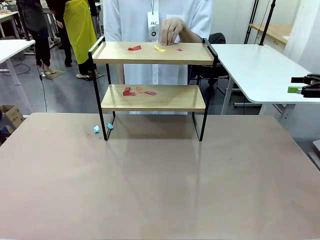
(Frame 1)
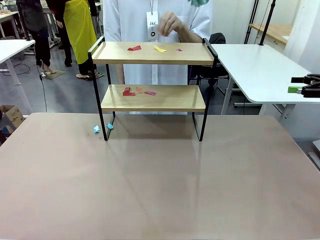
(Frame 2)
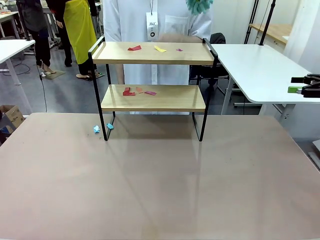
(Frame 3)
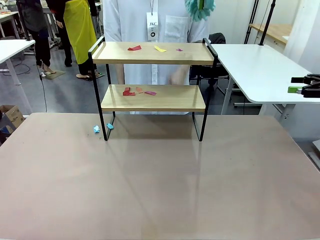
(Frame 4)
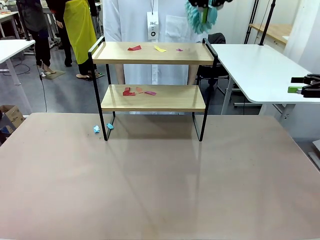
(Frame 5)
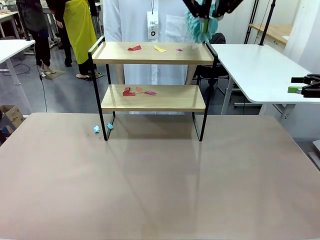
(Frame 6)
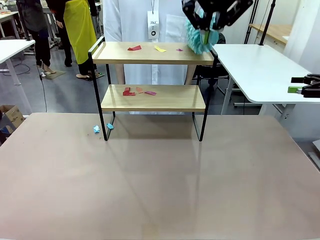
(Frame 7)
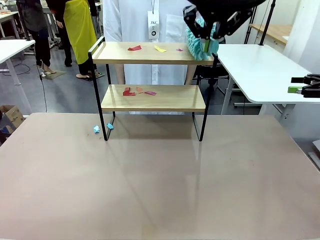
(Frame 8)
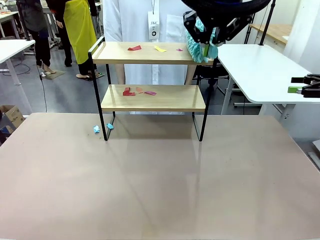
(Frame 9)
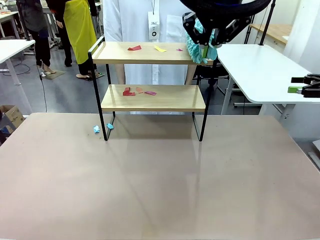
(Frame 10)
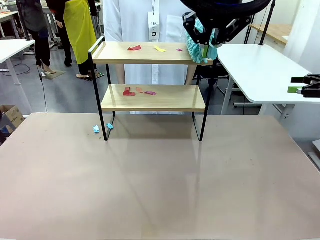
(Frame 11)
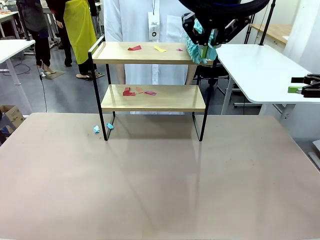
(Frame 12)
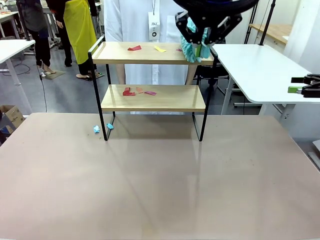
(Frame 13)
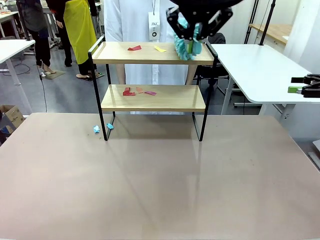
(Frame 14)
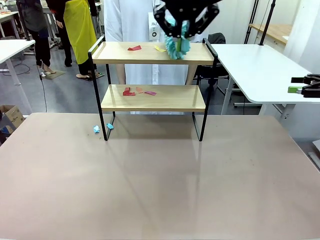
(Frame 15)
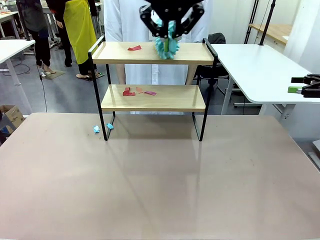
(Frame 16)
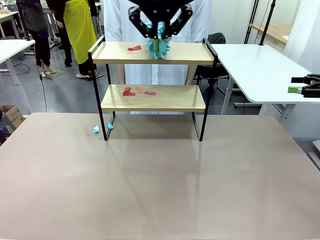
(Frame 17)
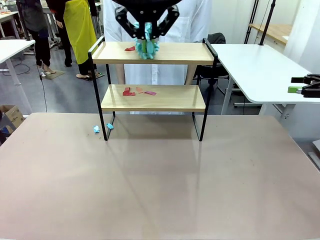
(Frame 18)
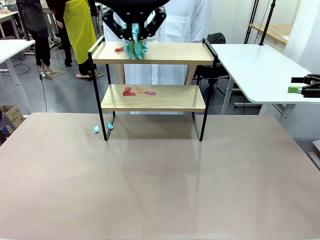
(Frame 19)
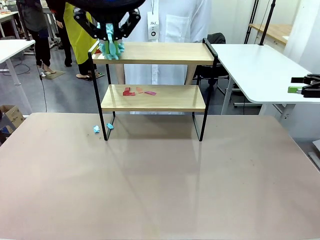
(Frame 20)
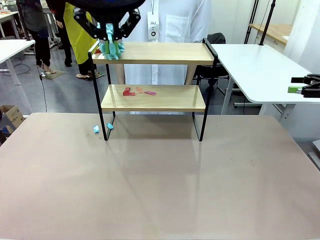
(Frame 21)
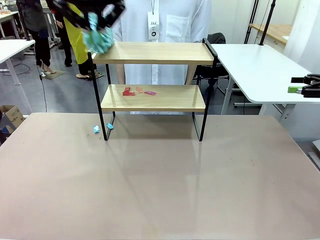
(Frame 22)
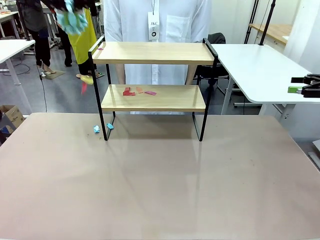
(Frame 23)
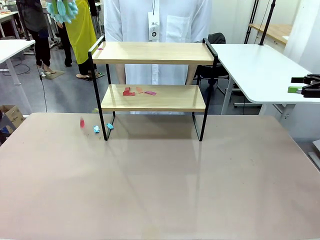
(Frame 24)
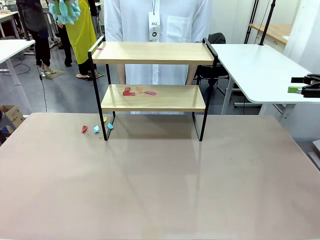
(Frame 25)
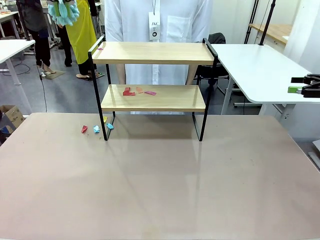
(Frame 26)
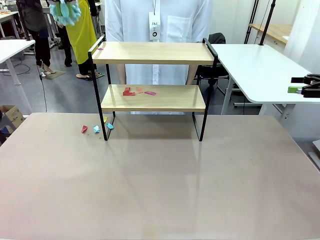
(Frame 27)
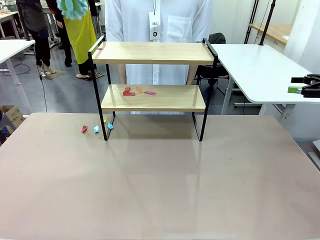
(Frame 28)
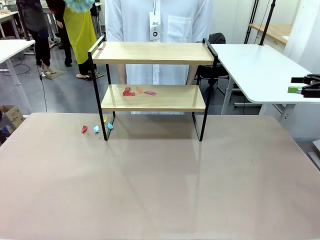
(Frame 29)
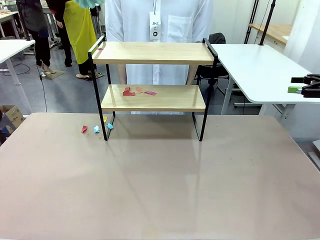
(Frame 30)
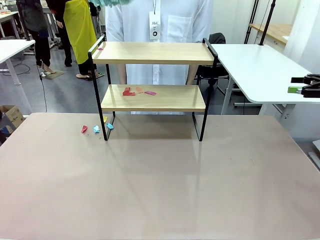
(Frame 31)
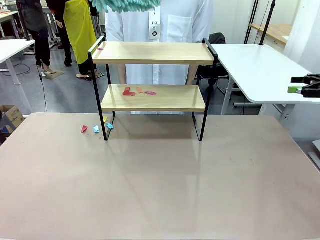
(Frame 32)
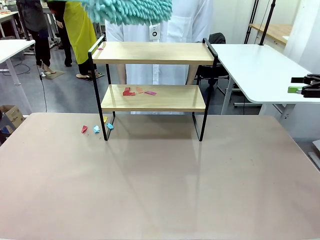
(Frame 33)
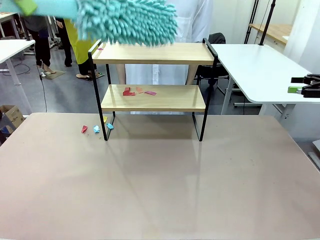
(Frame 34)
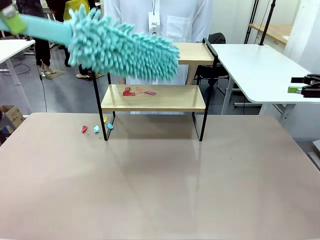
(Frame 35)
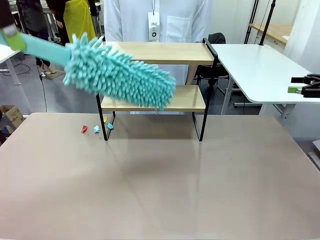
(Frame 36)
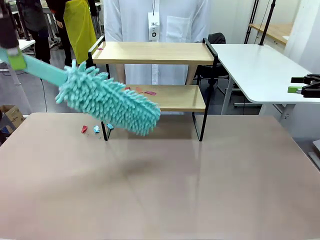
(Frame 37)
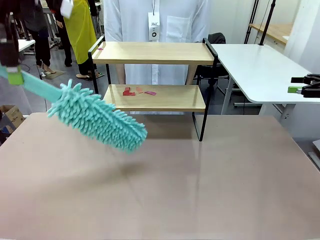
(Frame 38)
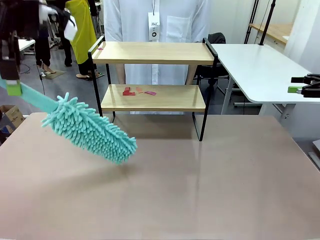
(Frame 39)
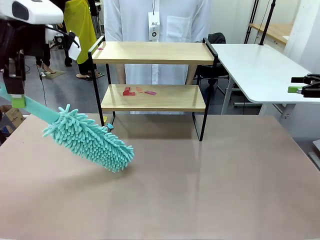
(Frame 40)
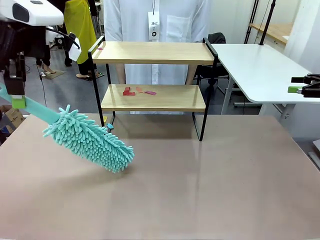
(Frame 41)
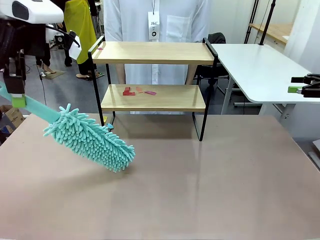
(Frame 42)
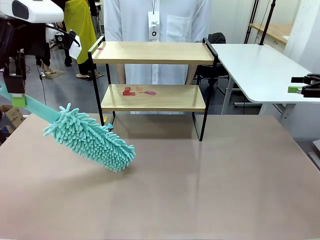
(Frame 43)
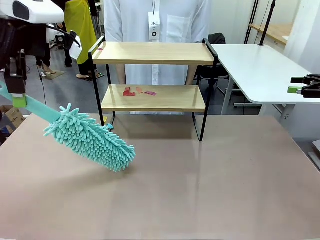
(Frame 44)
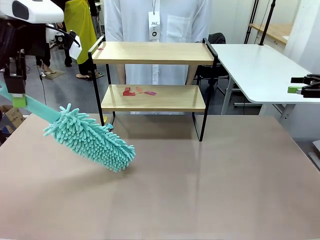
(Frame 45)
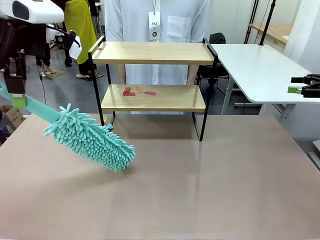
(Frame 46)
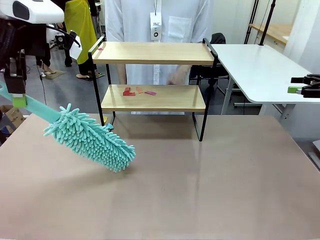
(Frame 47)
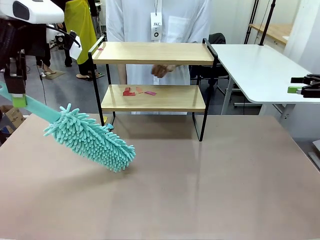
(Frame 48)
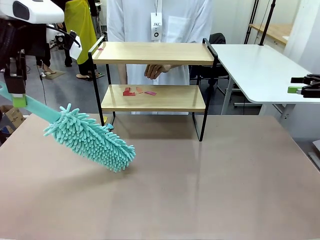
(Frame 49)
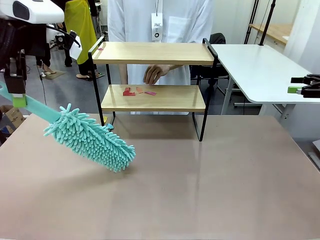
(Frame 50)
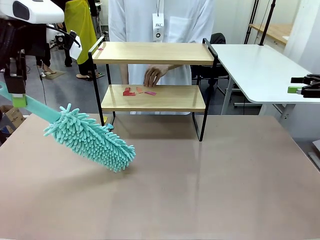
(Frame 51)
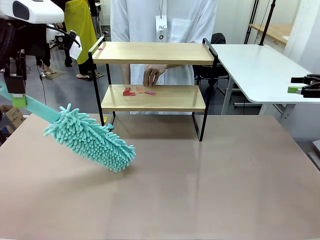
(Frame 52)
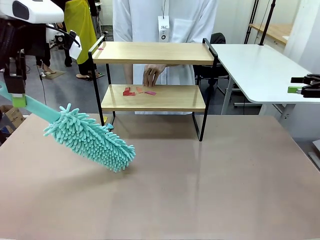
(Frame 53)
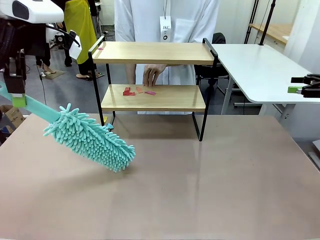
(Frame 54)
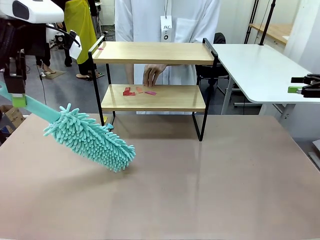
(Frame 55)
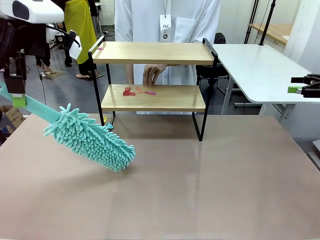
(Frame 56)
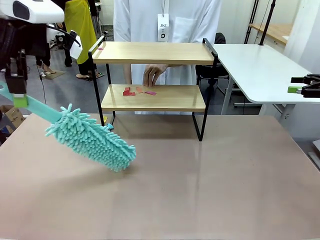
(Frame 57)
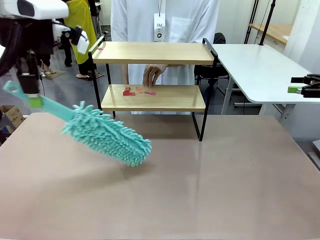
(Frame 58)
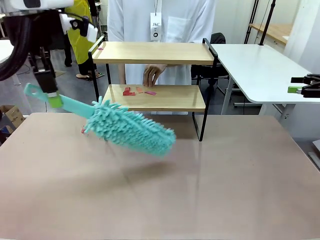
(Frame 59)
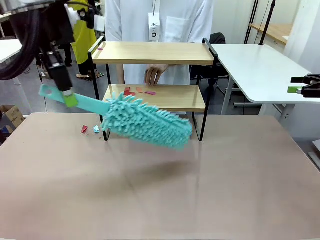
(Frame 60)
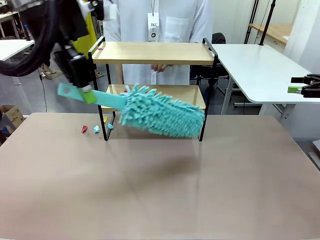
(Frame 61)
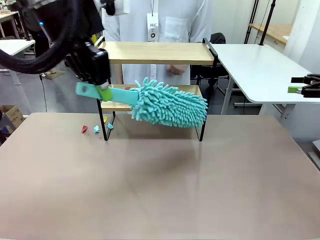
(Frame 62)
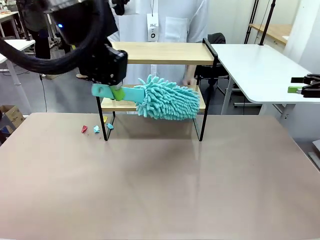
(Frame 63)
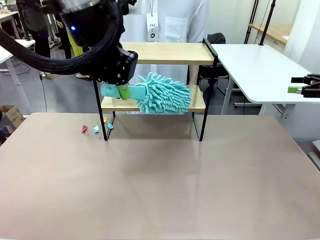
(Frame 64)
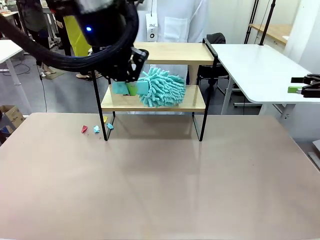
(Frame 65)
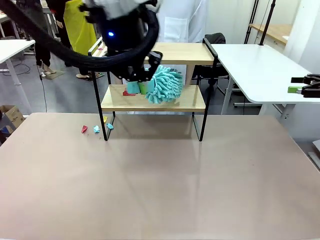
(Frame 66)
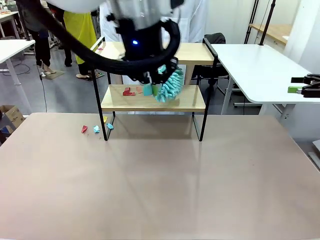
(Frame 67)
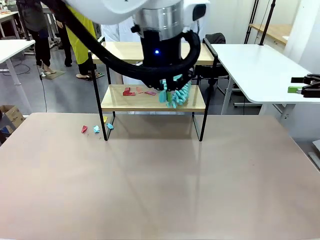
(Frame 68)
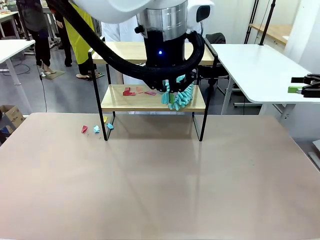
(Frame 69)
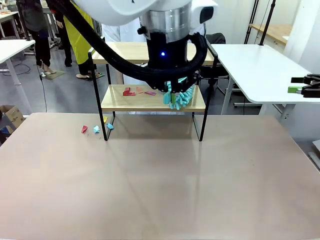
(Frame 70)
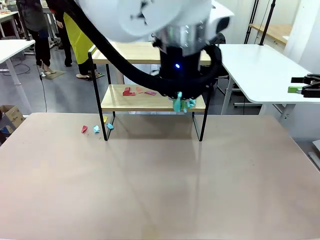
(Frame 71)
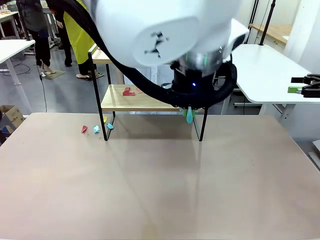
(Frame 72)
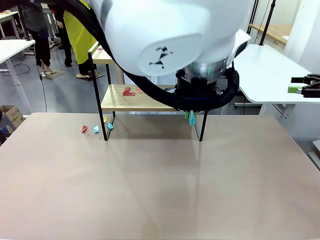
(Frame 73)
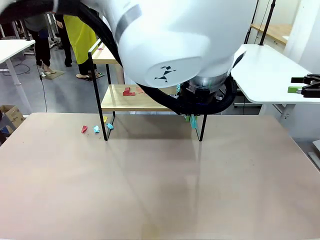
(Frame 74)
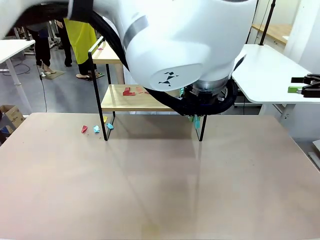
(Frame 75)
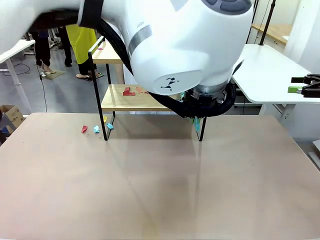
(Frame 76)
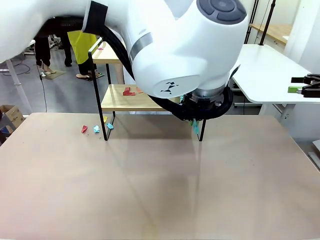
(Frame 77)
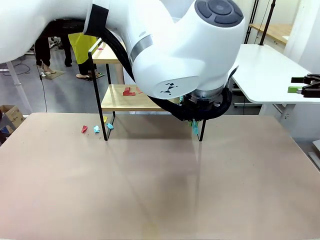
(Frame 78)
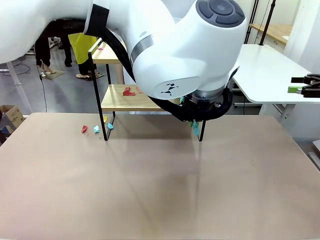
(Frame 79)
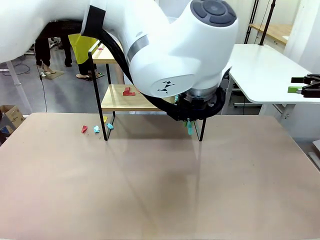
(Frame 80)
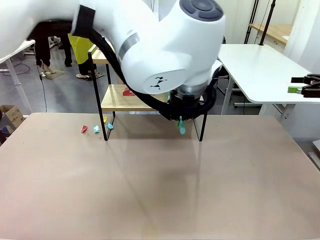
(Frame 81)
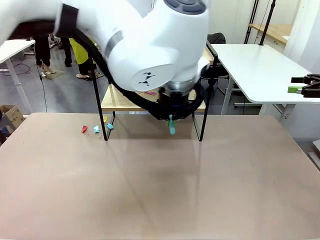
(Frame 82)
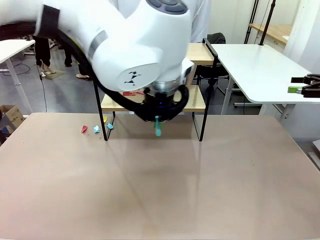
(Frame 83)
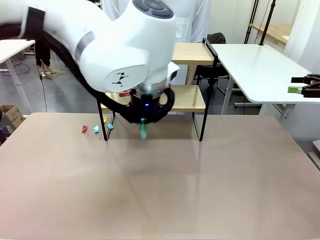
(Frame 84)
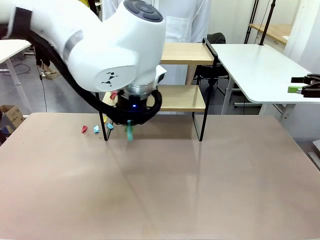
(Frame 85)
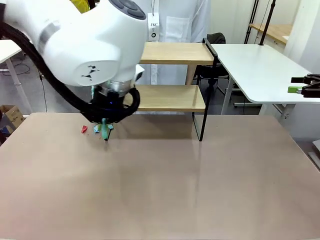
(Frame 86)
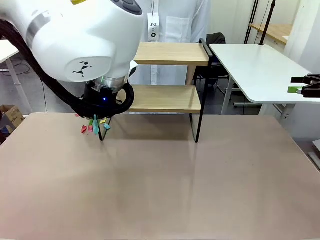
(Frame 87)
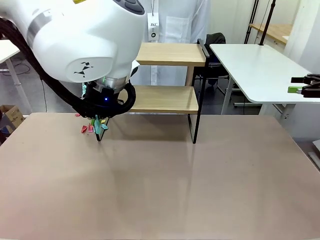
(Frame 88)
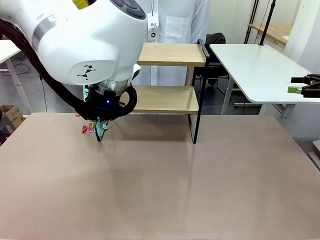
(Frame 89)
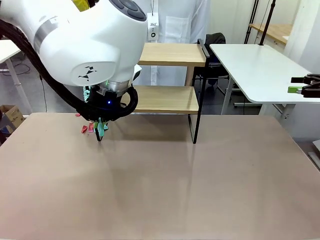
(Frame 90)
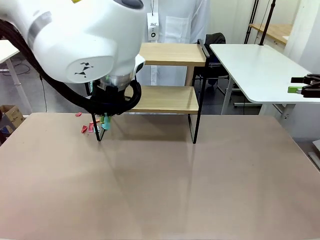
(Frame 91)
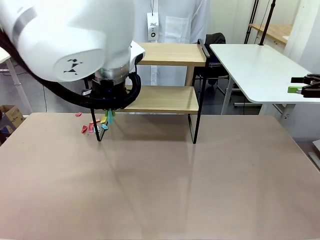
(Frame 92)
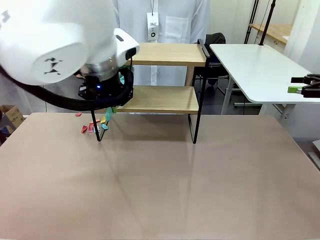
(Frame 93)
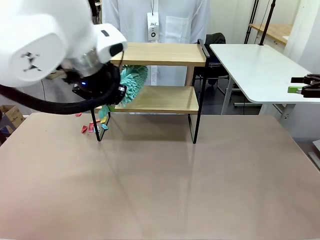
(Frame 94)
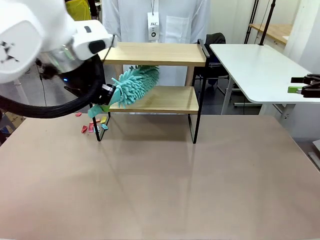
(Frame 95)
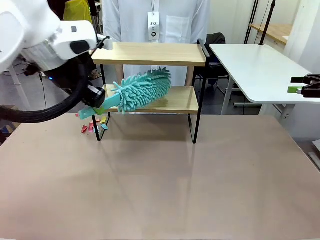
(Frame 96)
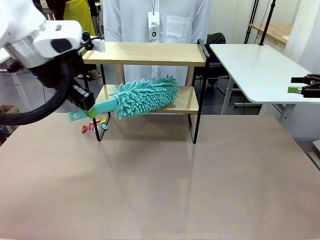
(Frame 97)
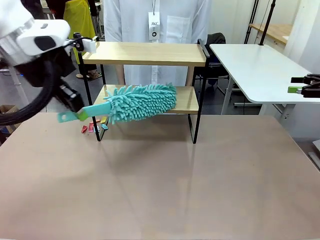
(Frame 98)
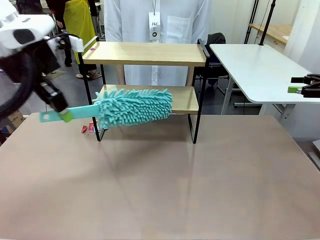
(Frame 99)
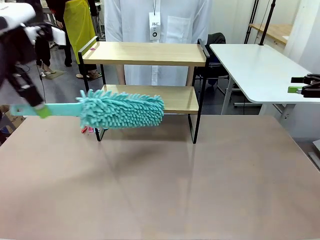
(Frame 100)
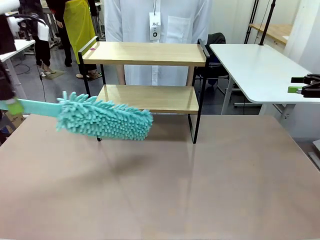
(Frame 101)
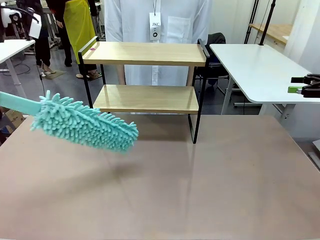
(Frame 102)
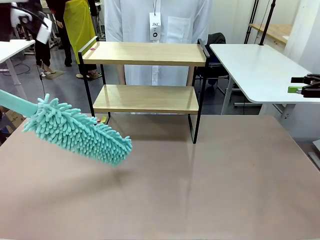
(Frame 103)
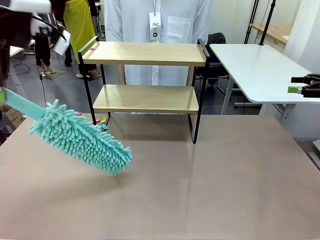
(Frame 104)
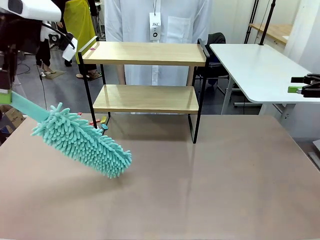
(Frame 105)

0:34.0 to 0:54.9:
Task: Clean the shelf.
Robot: Clean the specific section of the Shelf indicated by the human with the Duster.
Person: Point a remaining section of the Shelf.
